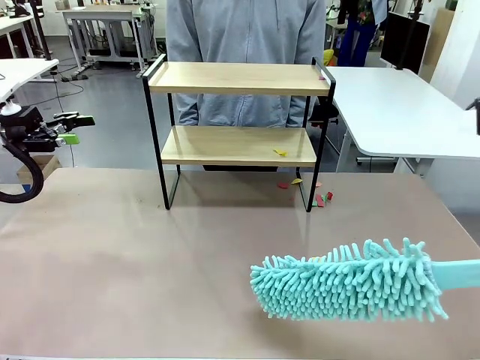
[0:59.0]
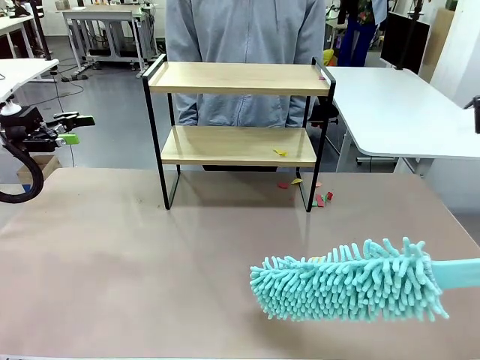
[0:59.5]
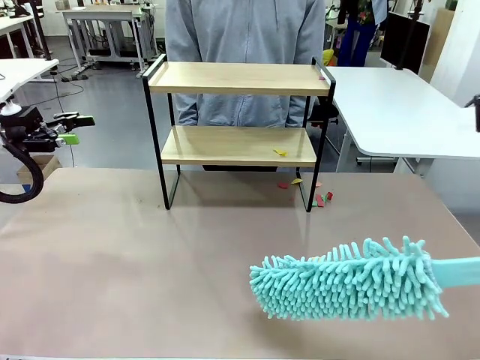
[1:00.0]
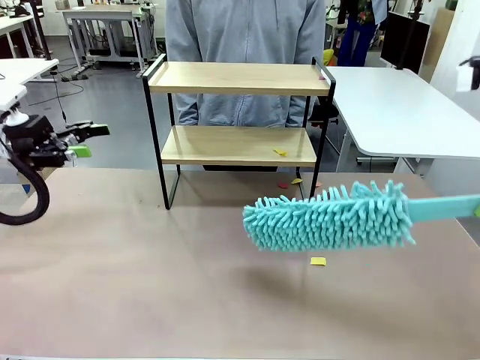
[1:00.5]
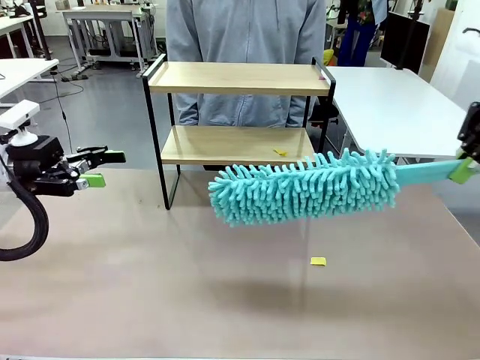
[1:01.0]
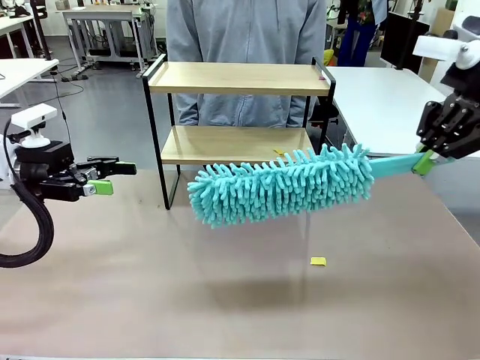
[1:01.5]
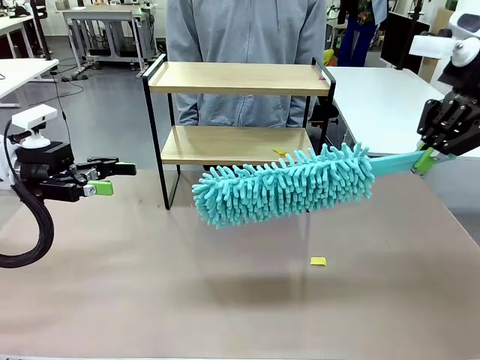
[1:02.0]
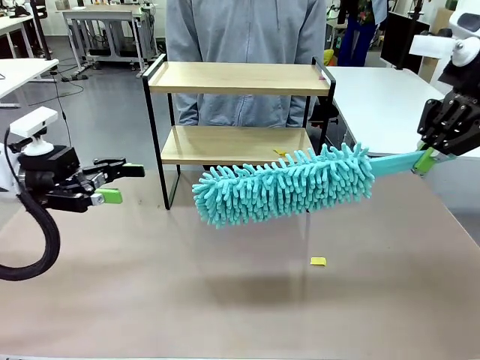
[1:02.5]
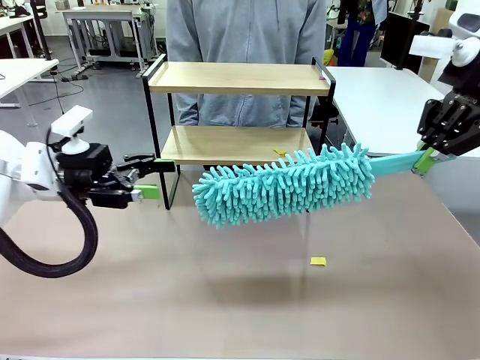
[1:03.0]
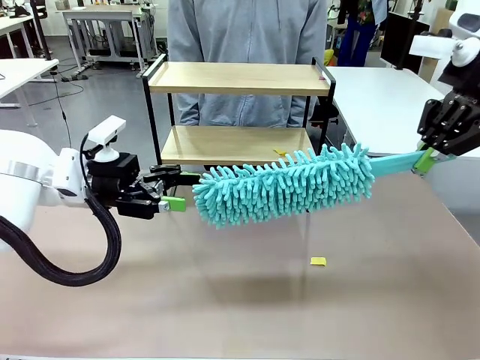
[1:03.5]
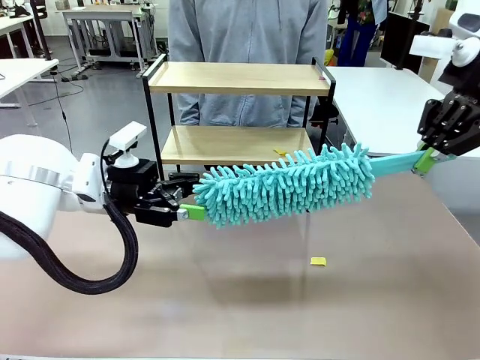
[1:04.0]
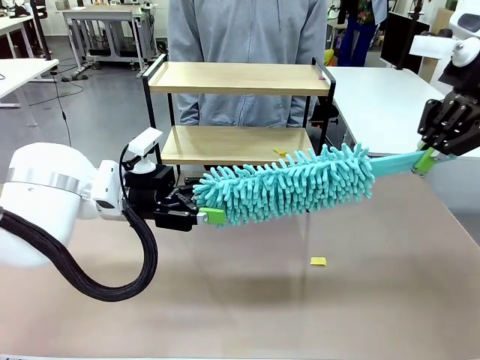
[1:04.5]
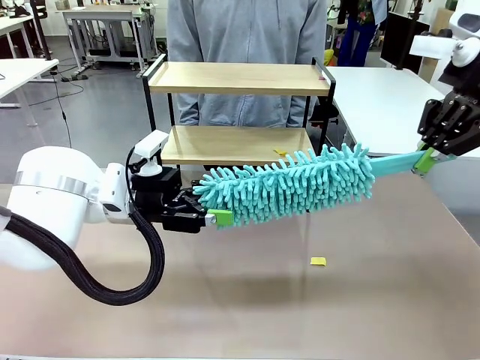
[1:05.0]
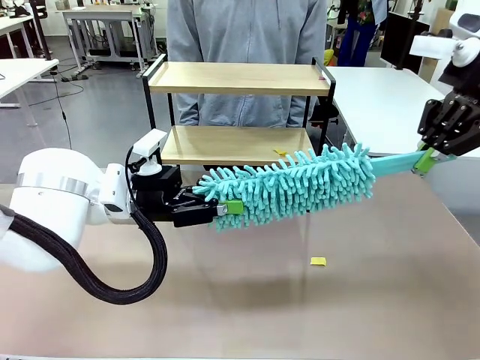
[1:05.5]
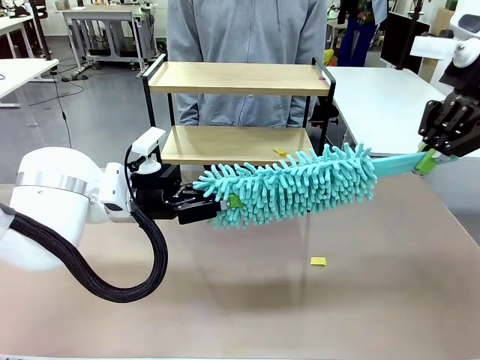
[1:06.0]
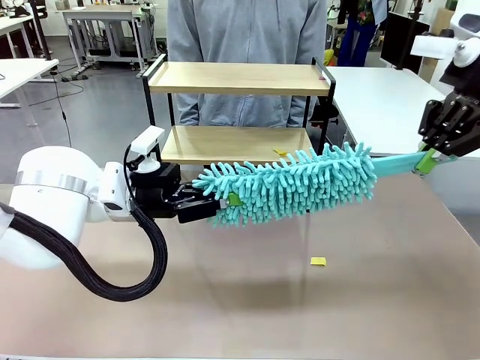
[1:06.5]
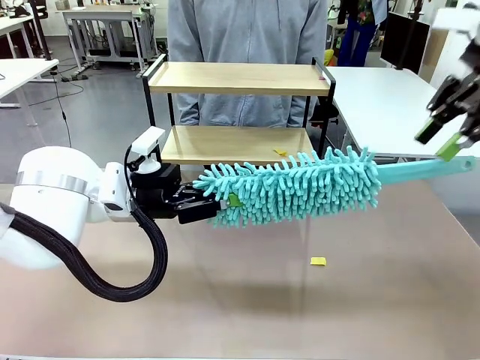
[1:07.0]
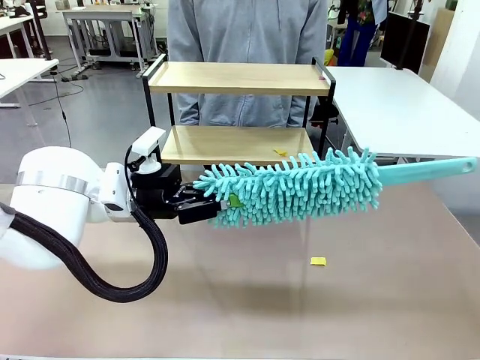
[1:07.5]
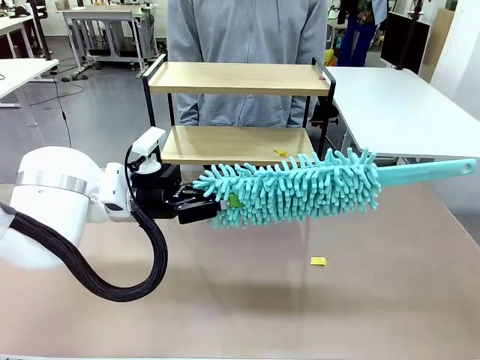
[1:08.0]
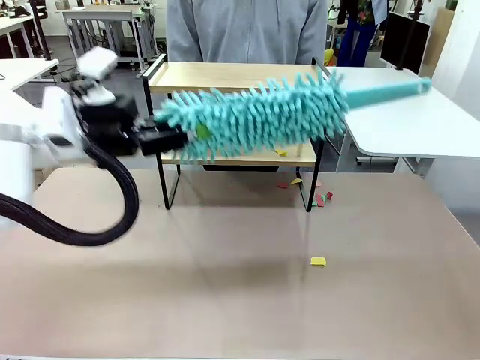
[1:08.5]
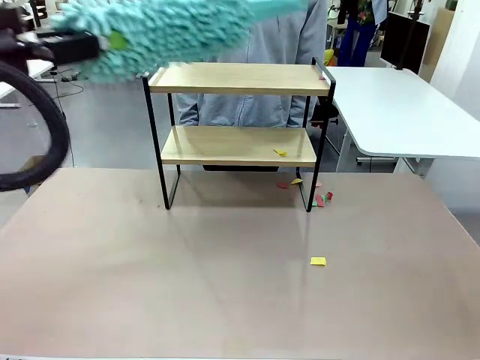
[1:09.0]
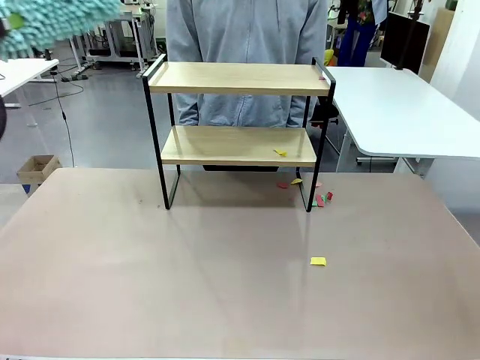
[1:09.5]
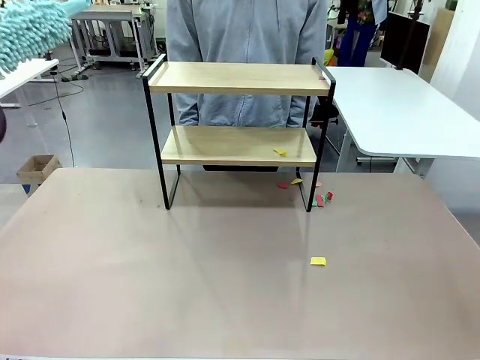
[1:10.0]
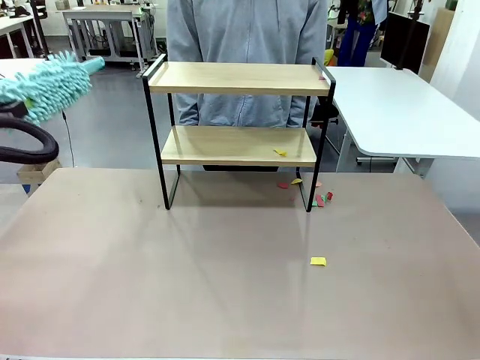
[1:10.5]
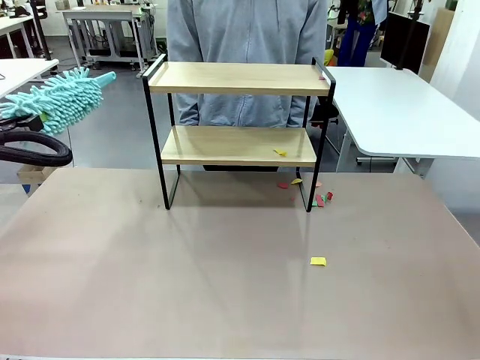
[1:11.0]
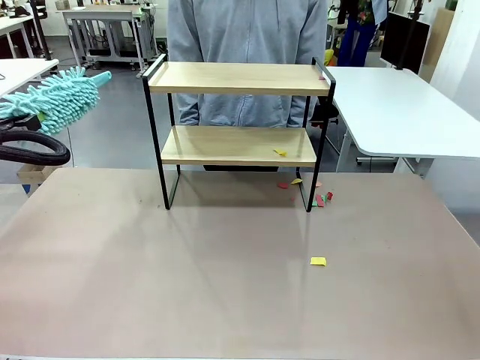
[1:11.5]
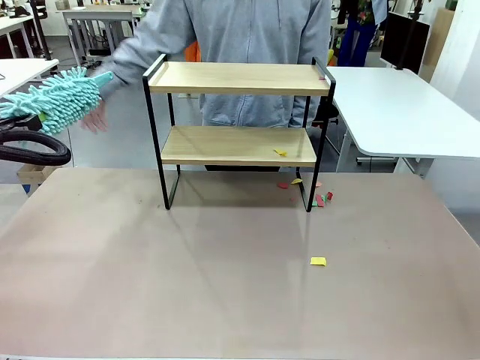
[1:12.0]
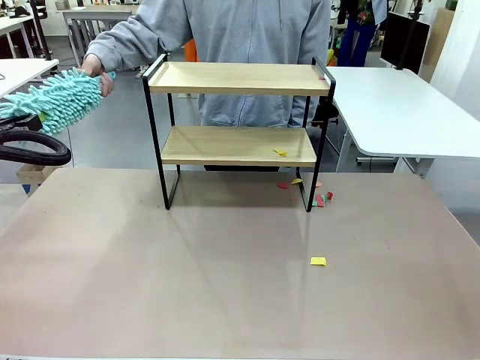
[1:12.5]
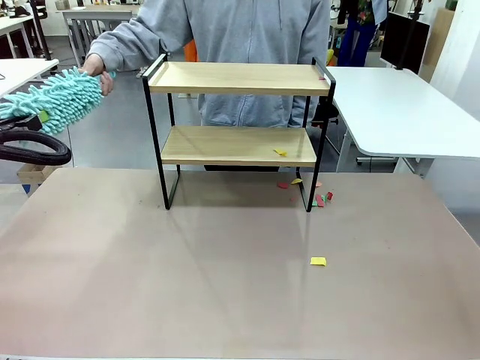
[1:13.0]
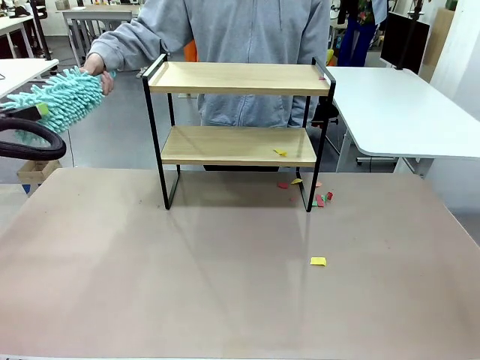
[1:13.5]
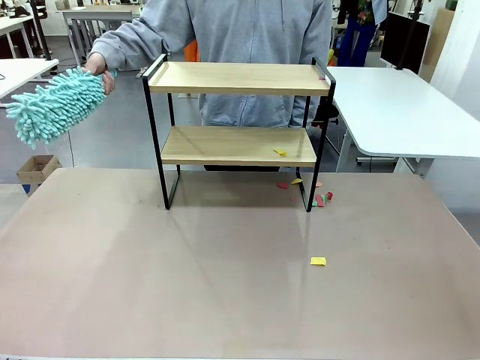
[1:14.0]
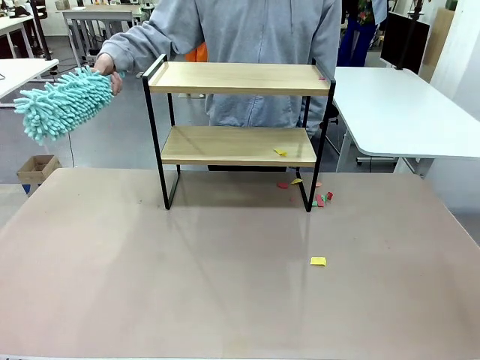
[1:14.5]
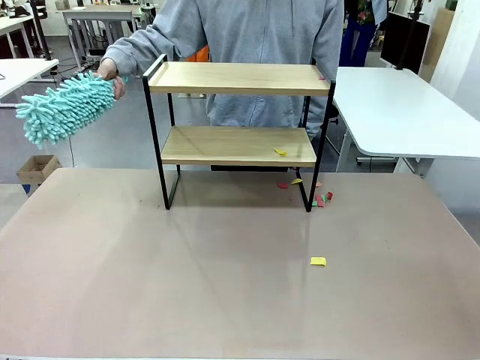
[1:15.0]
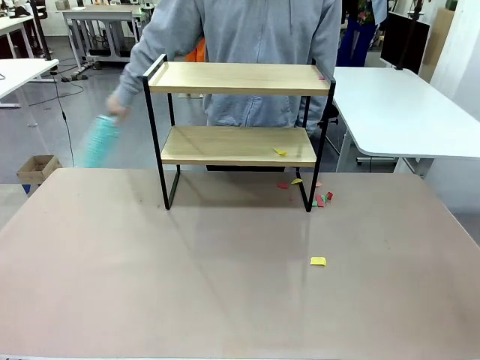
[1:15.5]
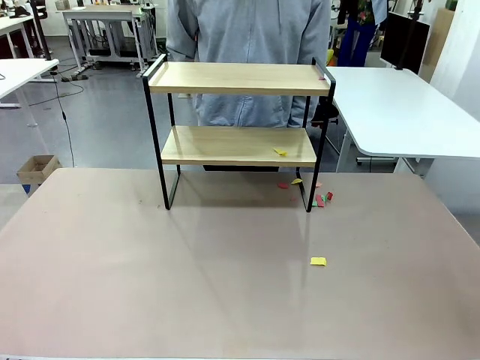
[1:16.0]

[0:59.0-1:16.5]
Task: Clean the shelf.
Robot: Hand the Duster back to the human.
Person: Receive the Duster from the robot.

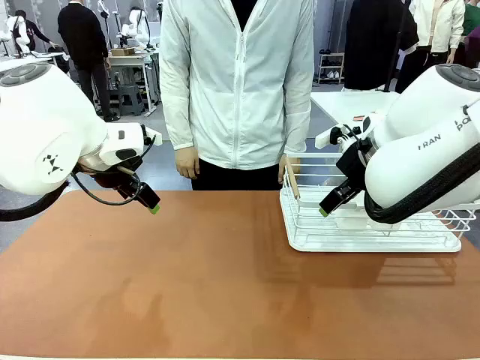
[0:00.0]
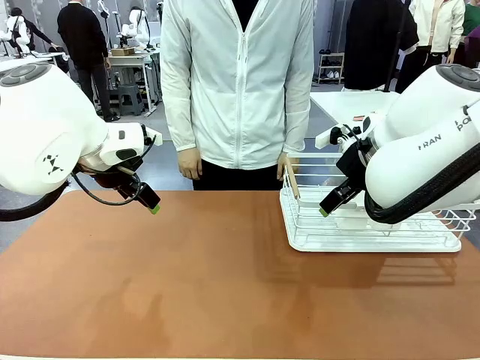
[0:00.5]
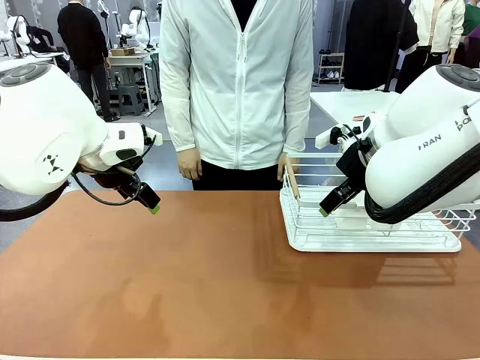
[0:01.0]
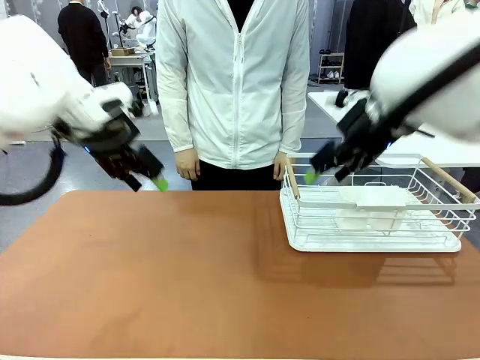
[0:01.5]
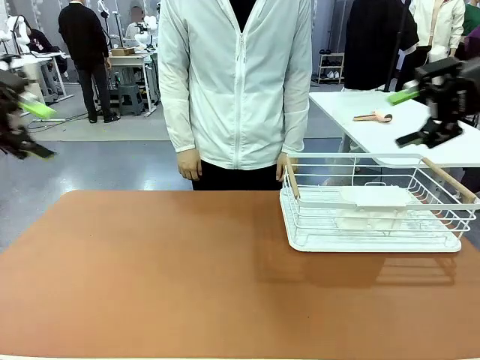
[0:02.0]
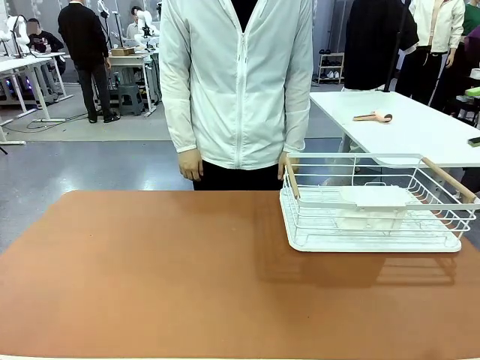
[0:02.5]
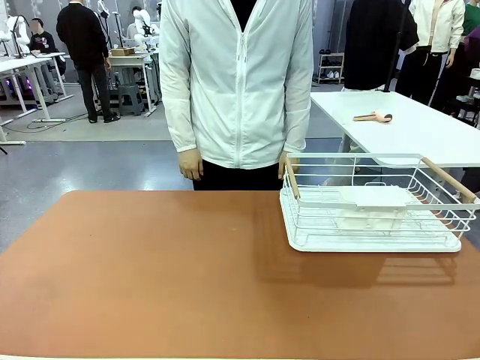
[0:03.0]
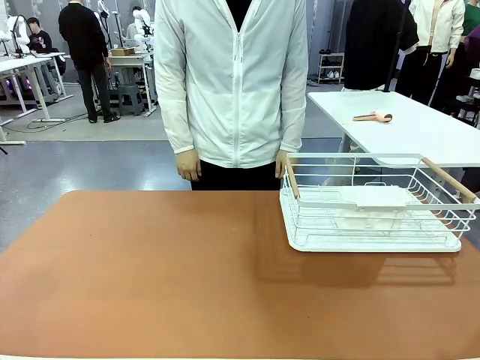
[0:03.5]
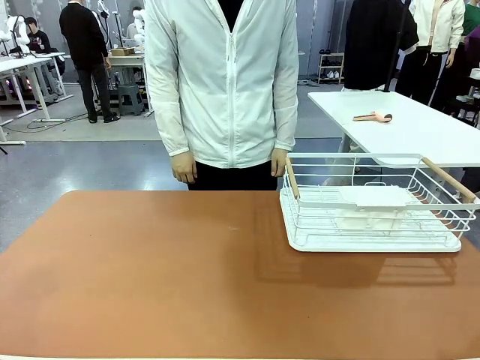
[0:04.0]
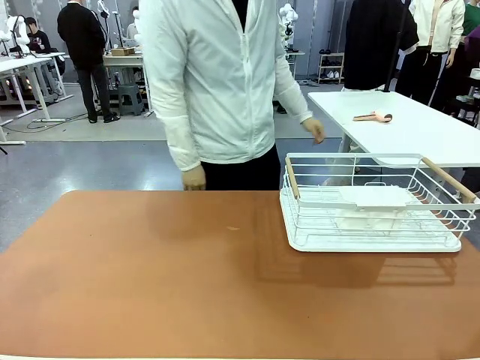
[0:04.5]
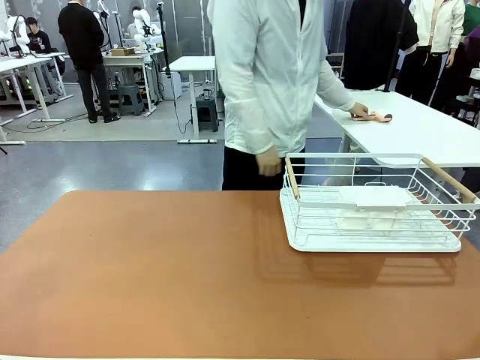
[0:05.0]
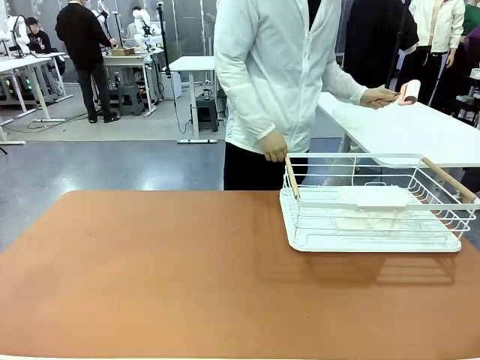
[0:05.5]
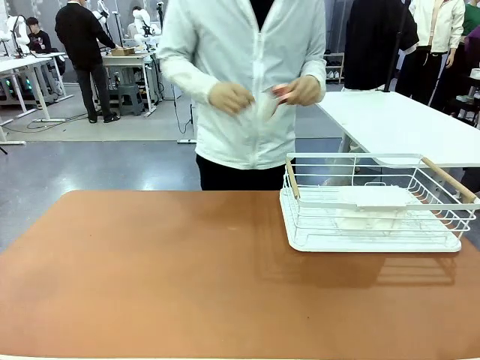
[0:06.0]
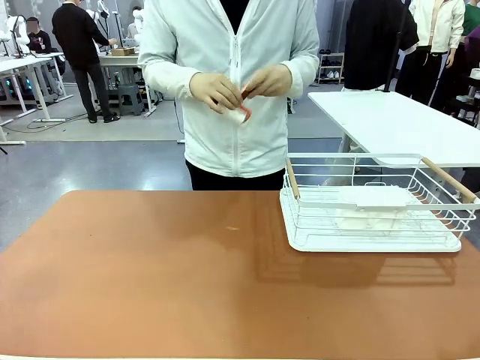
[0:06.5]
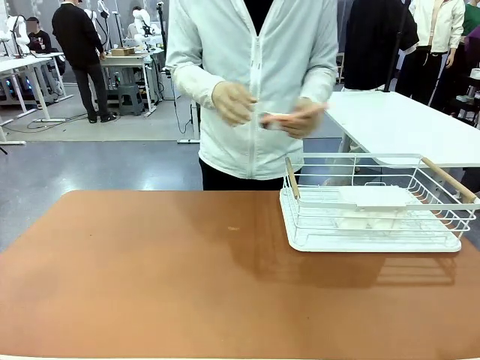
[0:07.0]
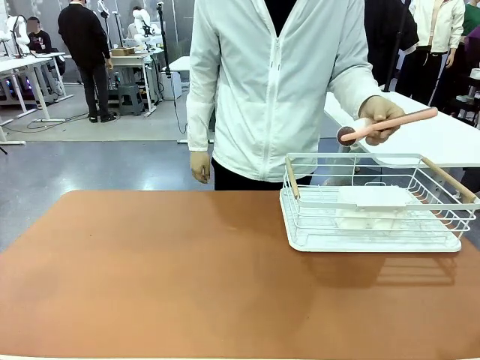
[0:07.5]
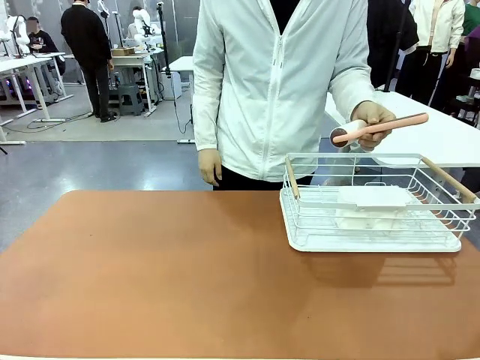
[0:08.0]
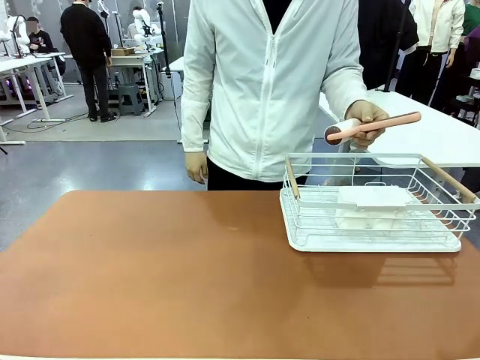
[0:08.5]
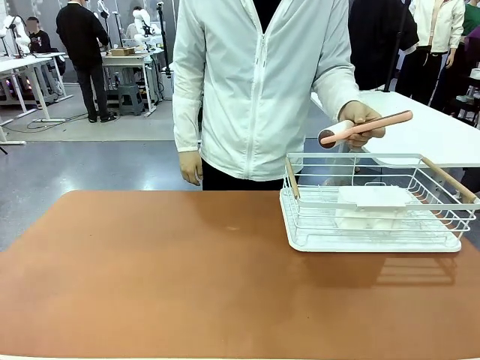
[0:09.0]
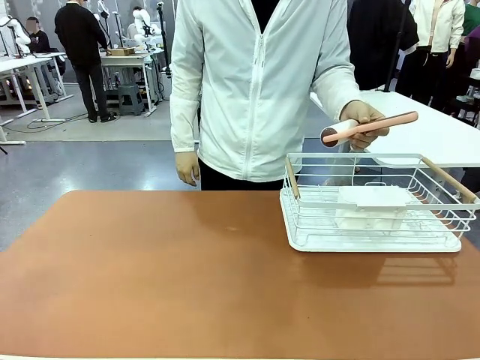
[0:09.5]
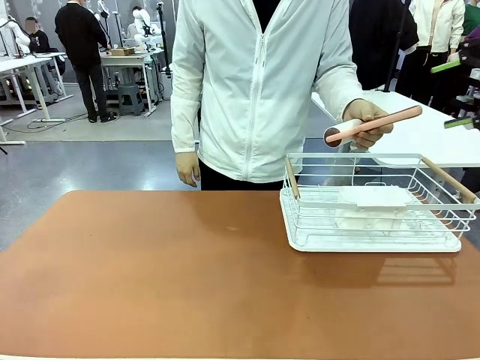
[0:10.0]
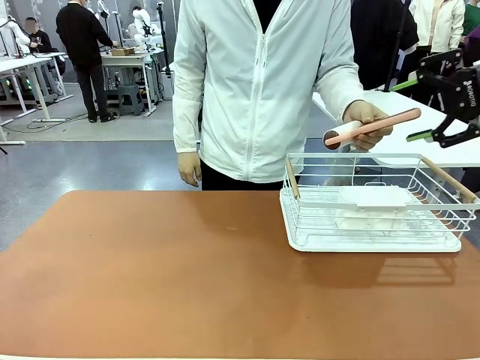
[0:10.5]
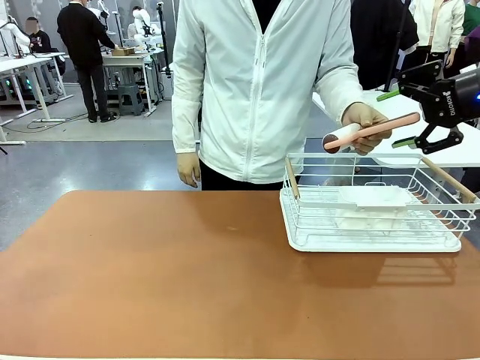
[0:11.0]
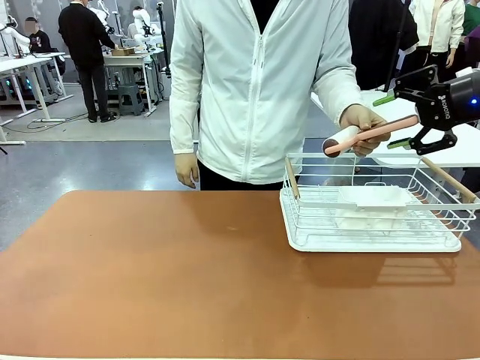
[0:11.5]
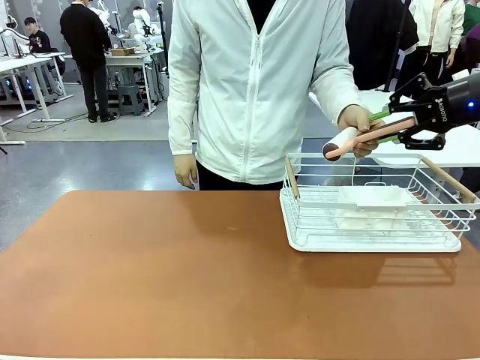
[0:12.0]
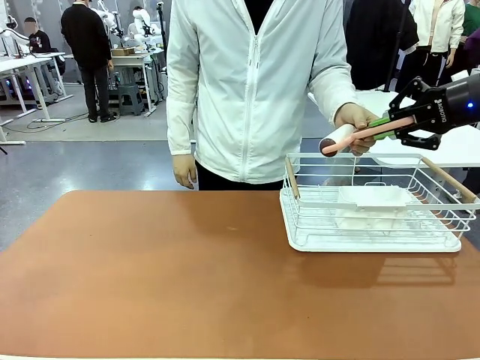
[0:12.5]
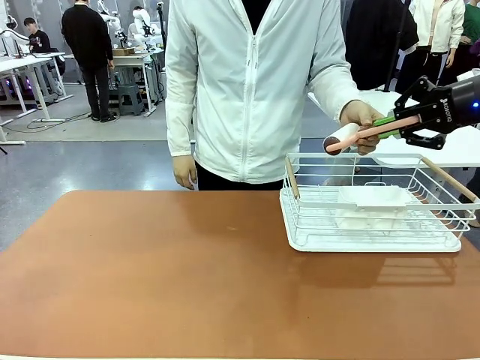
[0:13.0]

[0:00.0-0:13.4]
Task: Clean the table.
Robot: Pick up the Lint Roller when the human hands it over.
Person: Hand the Lint Roller to the robot so it can easily pick it up. Lift the Dish drying rack.
